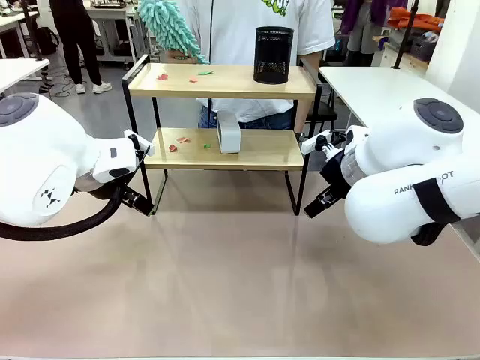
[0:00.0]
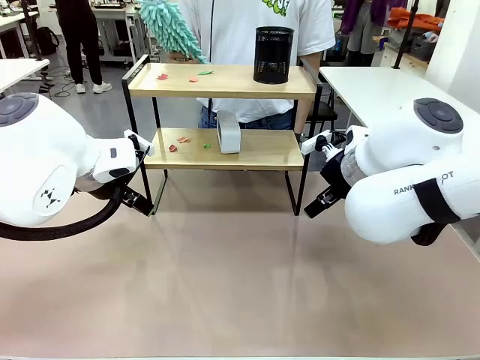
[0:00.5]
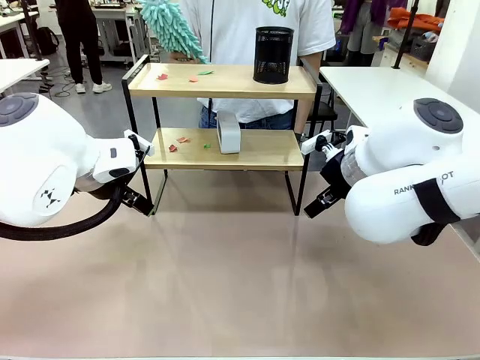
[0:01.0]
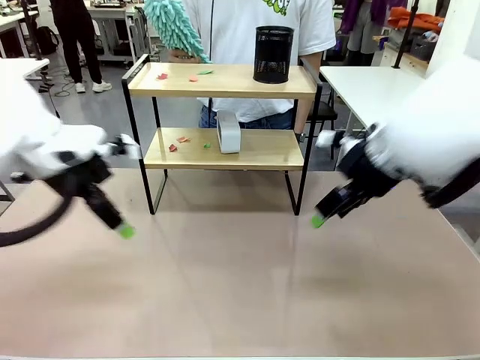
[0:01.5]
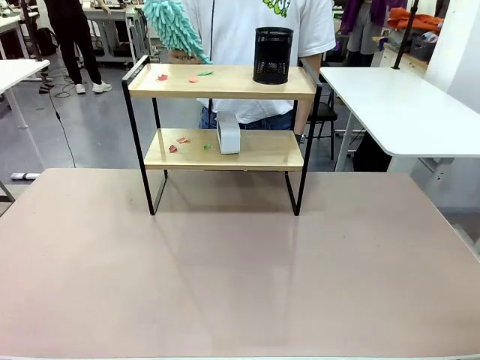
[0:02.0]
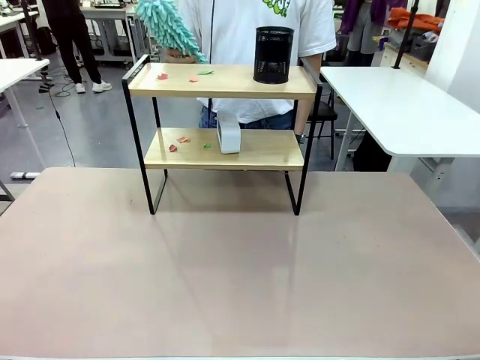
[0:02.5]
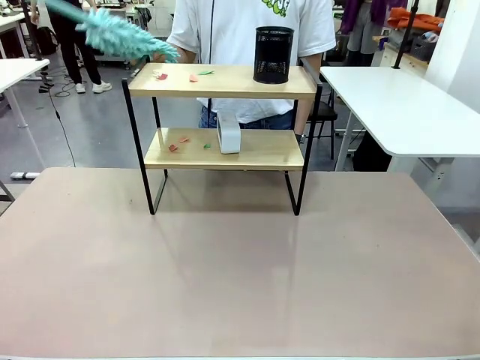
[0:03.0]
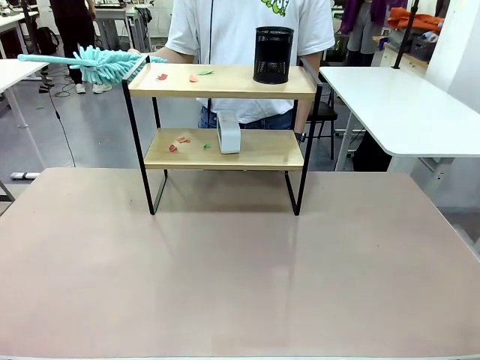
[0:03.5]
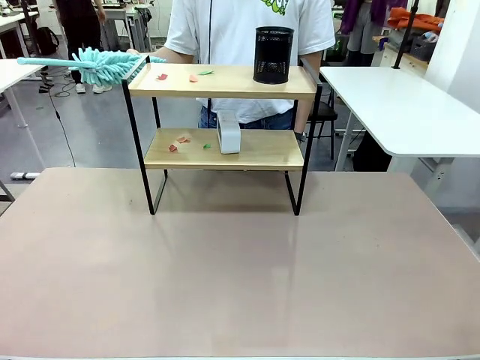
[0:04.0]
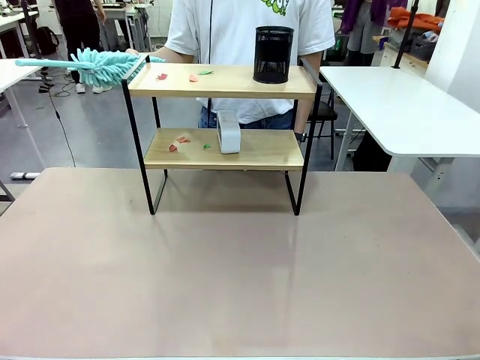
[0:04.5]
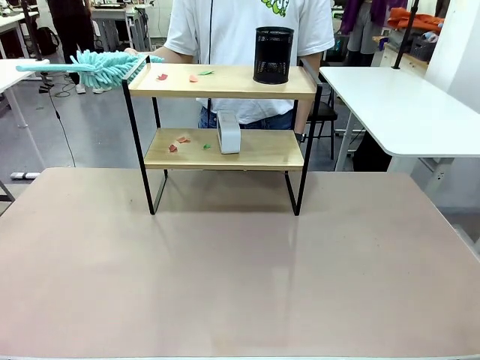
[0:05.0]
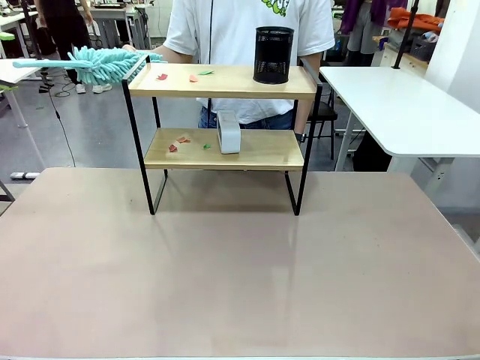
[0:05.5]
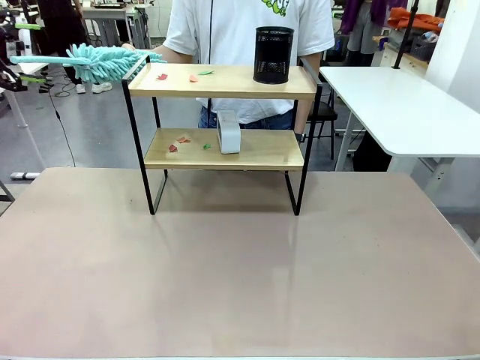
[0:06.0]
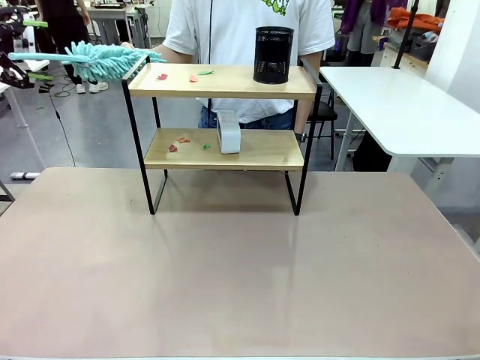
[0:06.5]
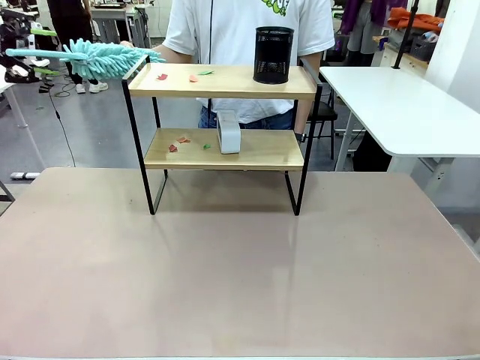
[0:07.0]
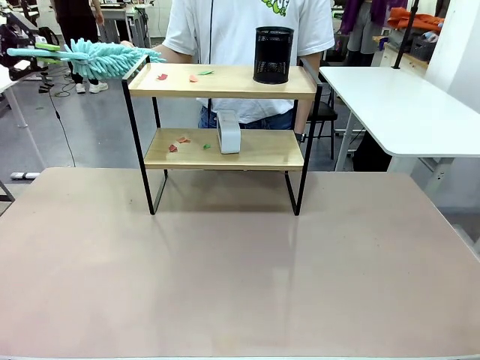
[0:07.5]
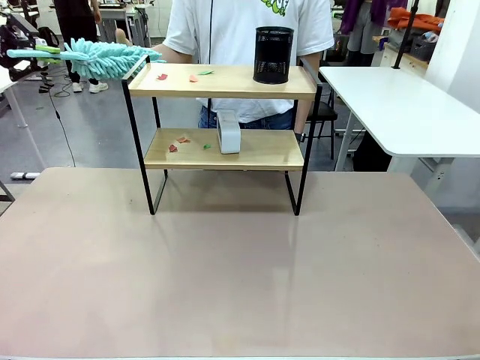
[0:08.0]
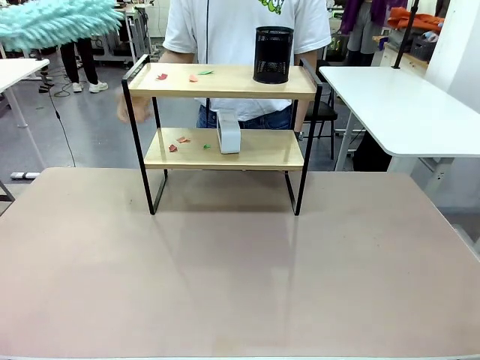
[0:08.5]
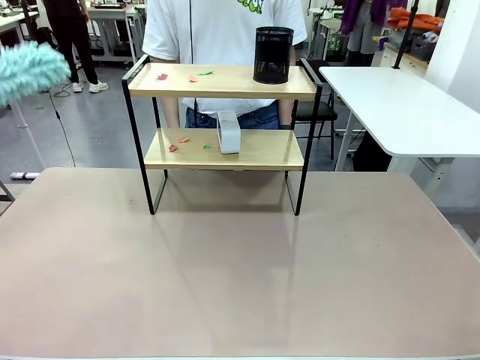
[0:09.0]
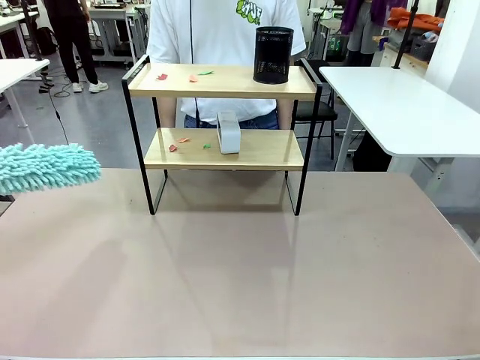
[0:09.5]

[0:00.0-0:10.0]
Task: Clean the shelf.
Robot: Pick up the Duster from the human.
Person: Hand the Duster to the robot.

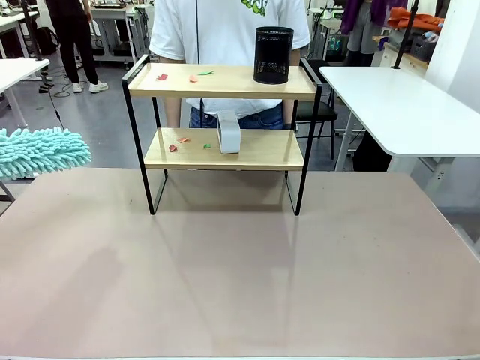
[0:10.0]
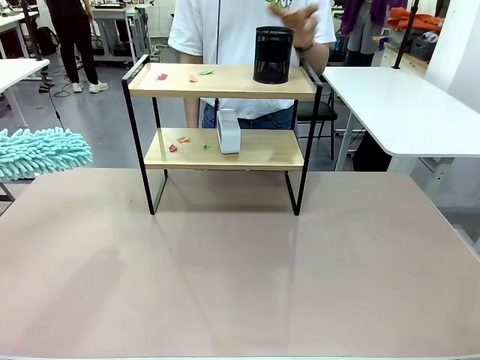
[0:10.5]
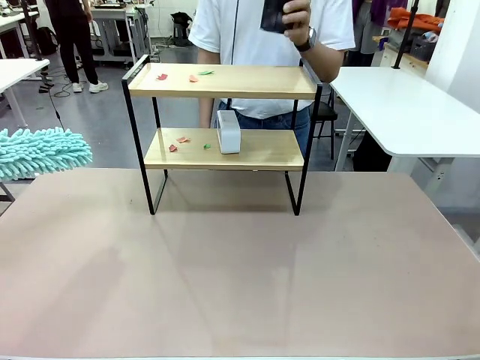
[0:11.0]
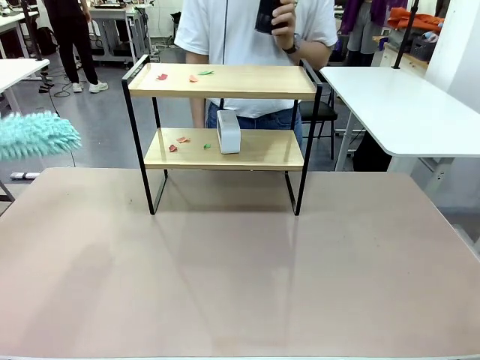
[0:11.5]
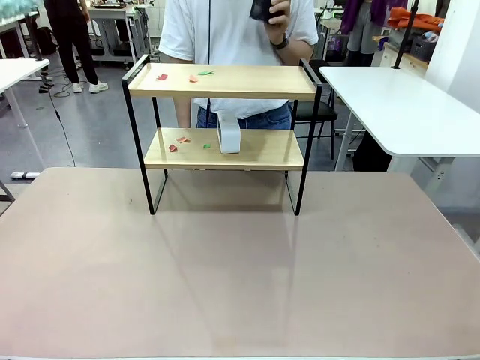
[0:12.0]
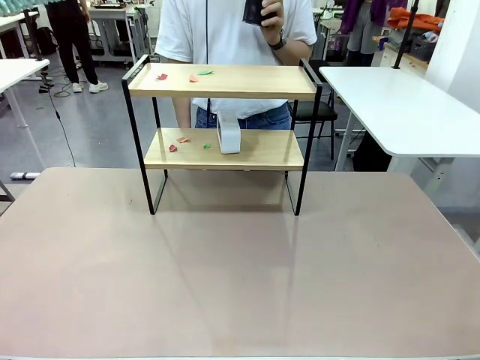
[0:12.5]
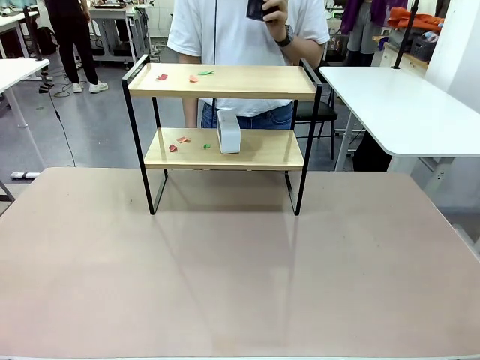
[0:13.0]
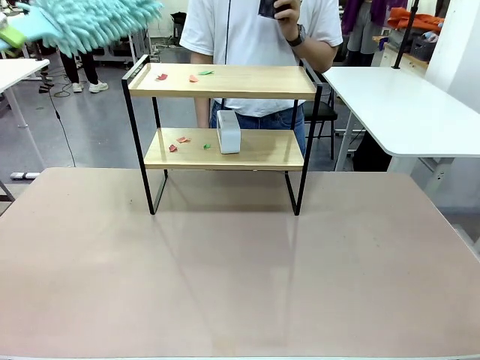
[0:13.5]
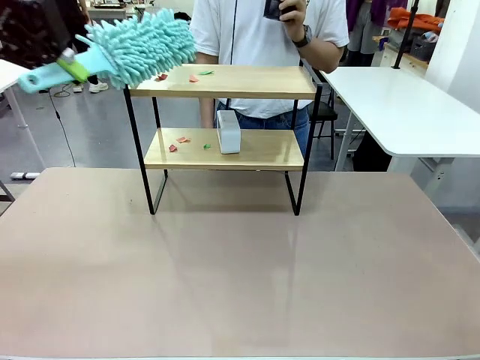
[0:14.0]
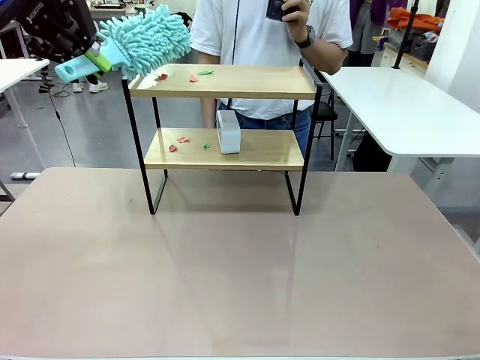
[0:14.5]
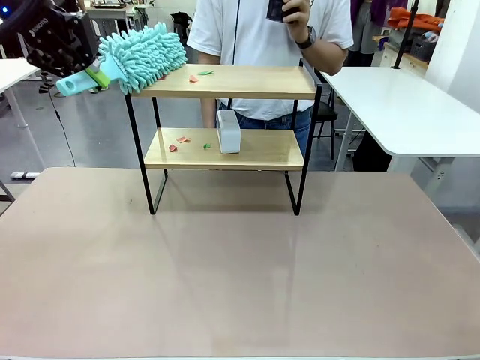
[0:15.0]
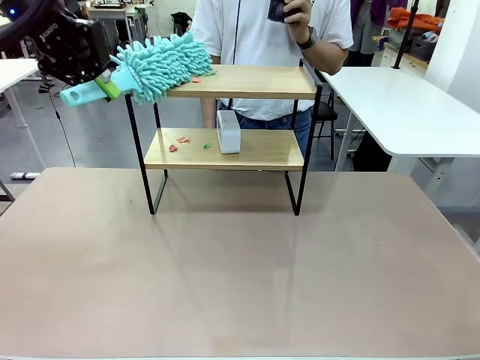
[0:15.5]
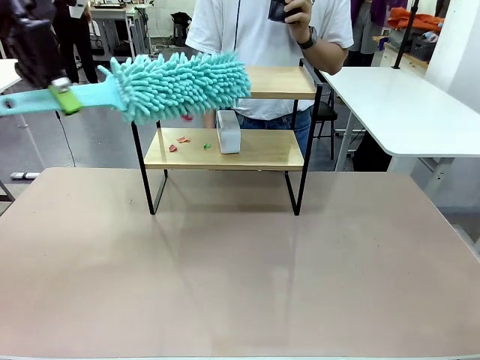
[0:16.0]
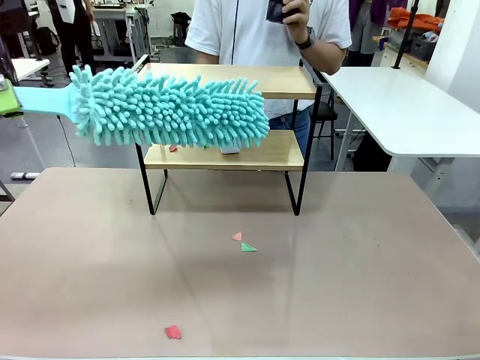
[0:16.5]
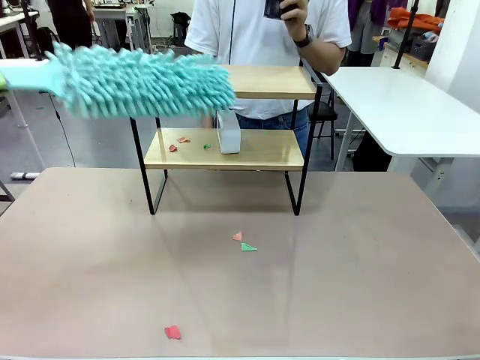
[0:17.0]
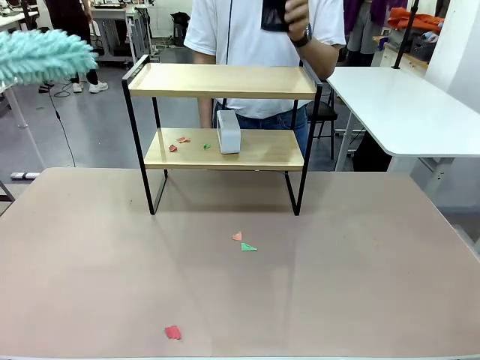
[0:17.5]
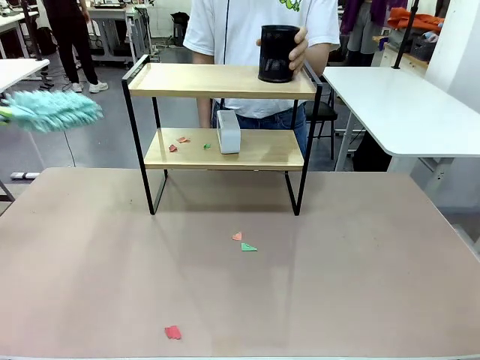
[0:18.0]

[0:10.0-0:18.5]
Robot: Clean the specific tier of the Shelf with the Duster once objects are removed.
Person: Lift the objects on a randomly selected tier of the Shelf. Once the robot finishes cleaning, lift the objects on the remaining tiers of the Shelf.

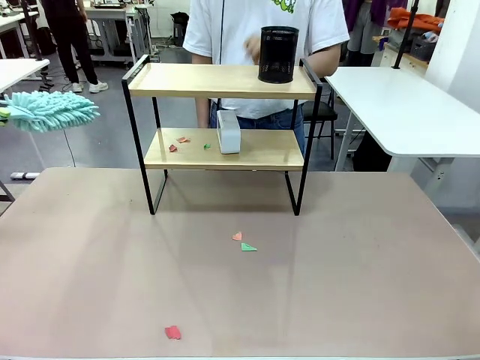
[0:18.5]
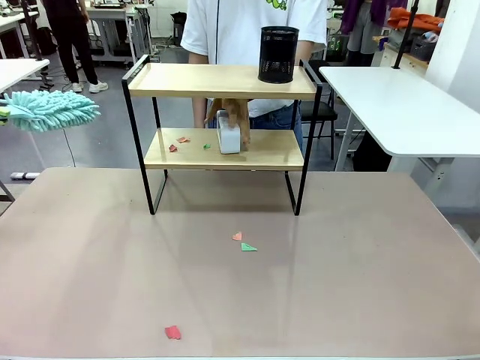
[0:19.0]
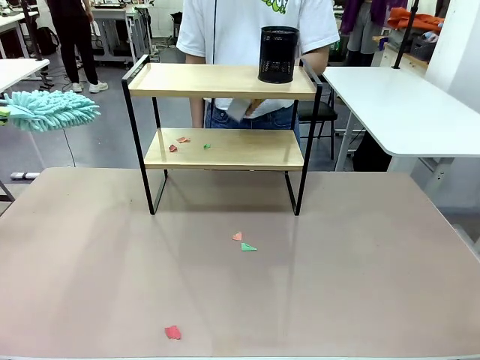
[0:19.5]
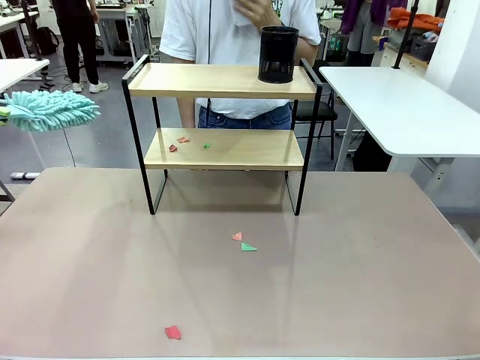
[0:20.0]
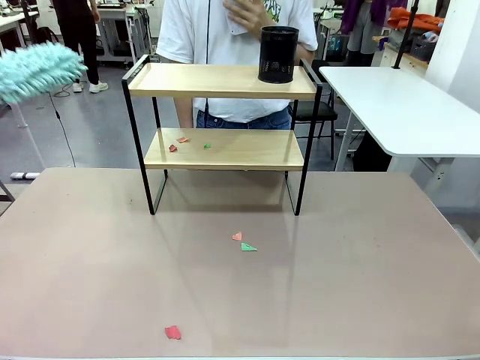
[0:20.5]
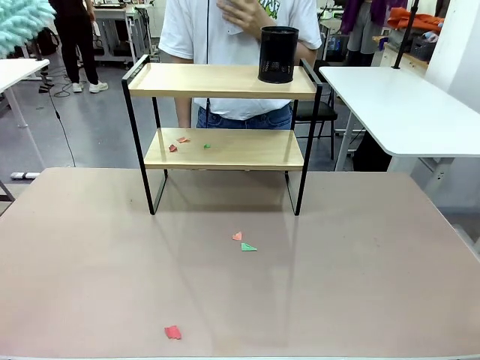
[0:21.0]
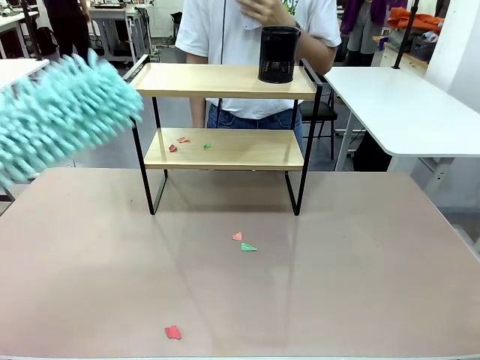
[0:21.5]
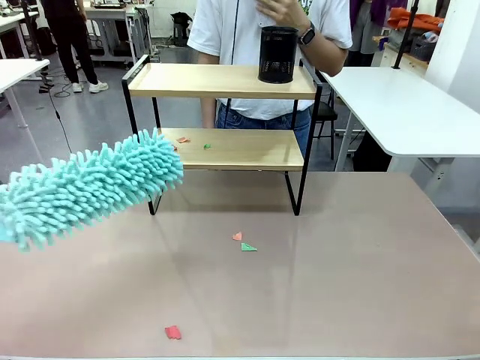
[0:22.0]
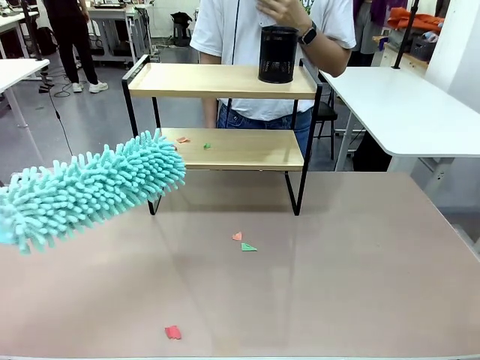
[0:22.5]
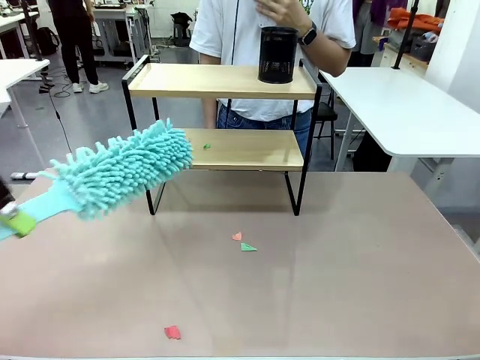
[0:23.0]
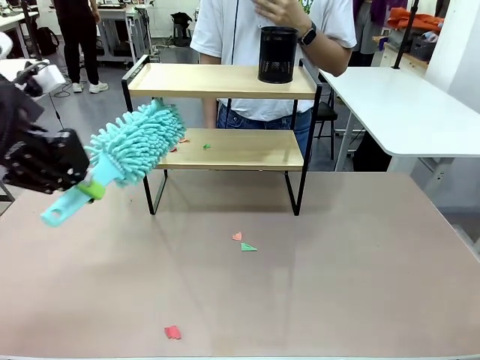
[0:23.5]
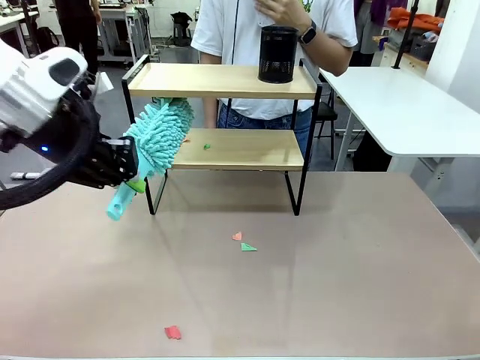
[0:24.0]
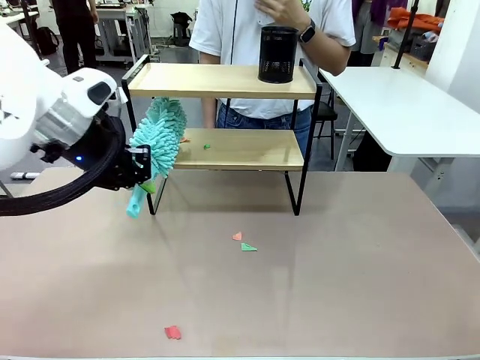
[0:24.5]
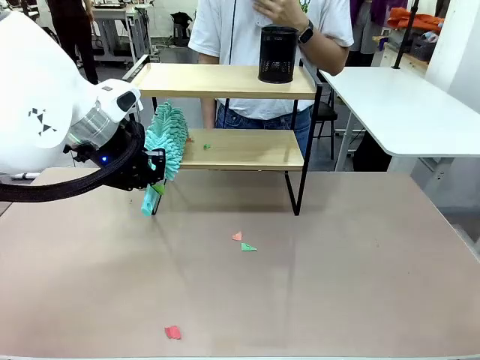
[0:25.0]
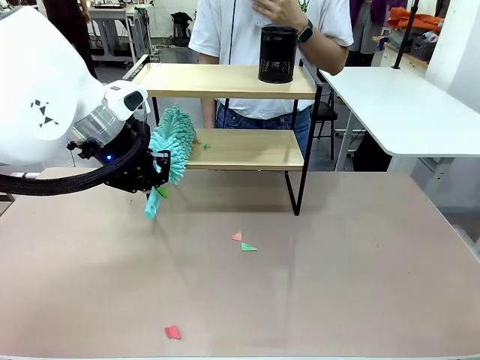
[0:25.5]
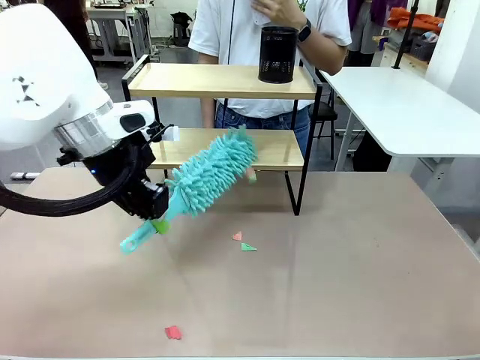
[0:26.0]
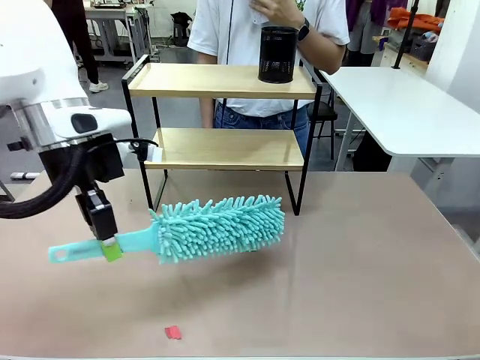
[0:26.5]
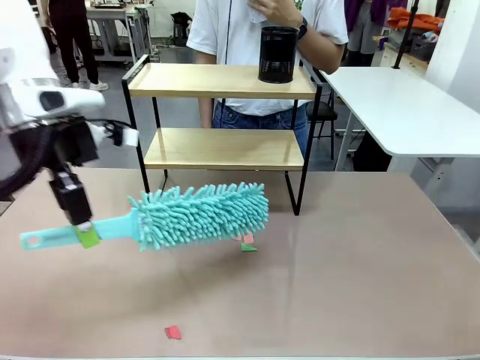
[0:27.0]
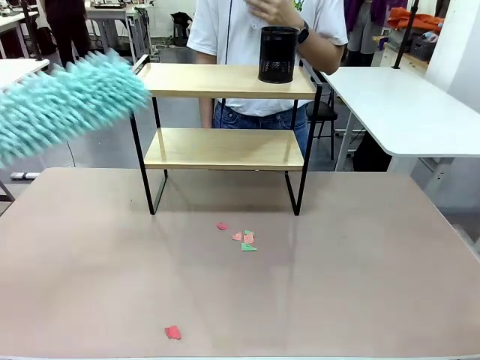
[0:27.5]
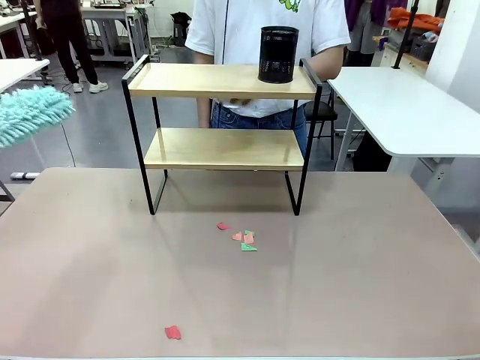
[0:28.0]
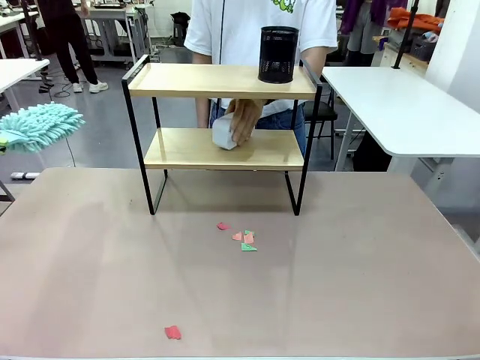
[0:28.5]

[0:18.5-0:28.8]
Robot: Clean the remaining tier of the Shelf with the Duster once objects are removed.
